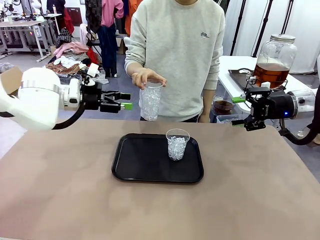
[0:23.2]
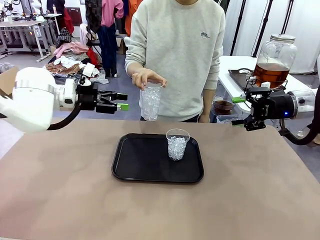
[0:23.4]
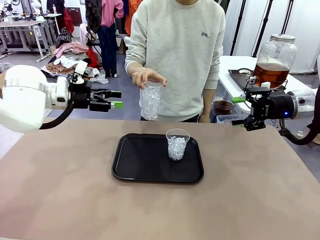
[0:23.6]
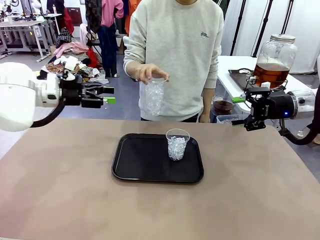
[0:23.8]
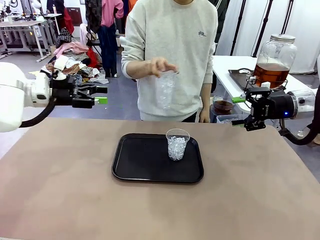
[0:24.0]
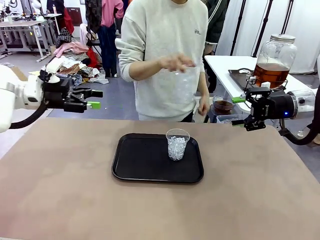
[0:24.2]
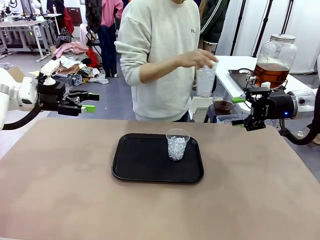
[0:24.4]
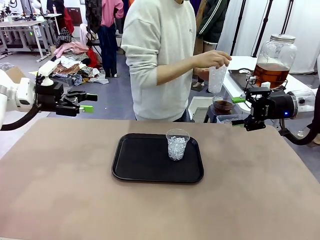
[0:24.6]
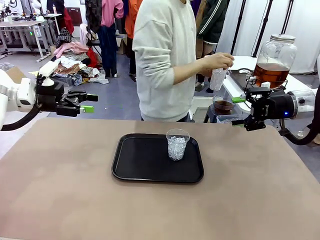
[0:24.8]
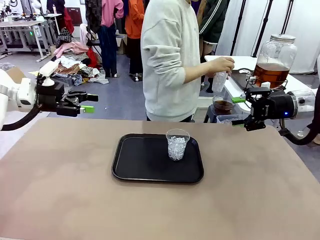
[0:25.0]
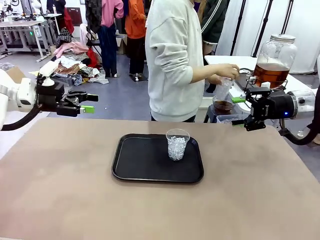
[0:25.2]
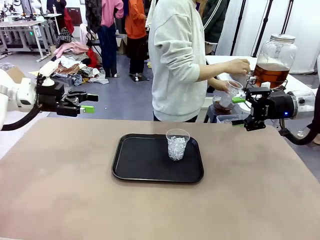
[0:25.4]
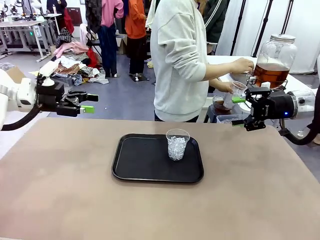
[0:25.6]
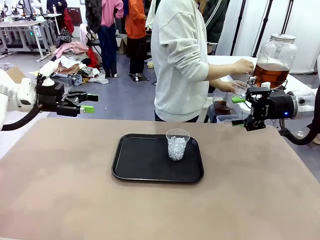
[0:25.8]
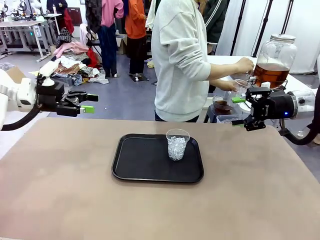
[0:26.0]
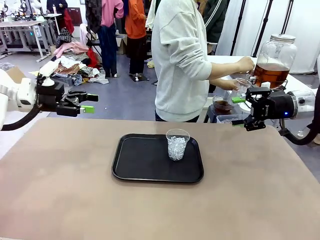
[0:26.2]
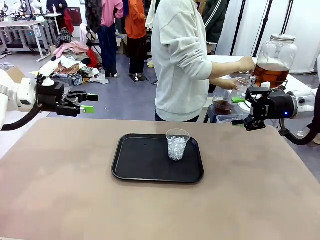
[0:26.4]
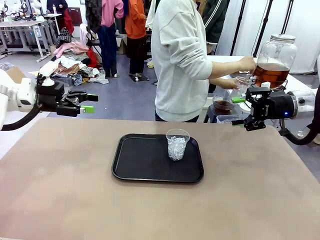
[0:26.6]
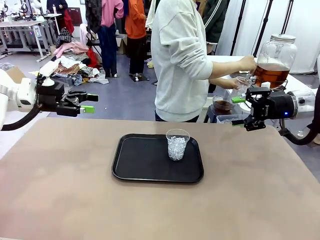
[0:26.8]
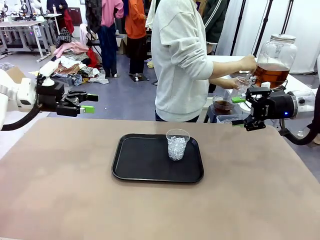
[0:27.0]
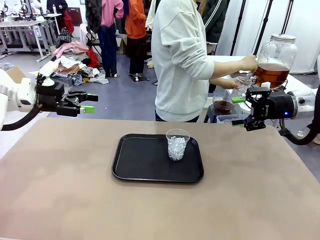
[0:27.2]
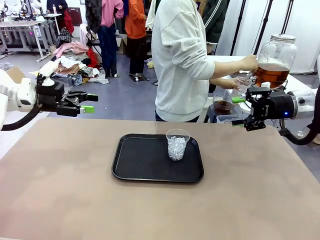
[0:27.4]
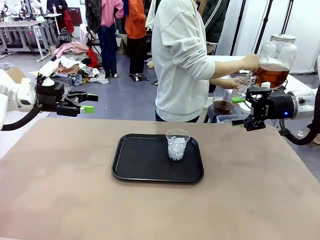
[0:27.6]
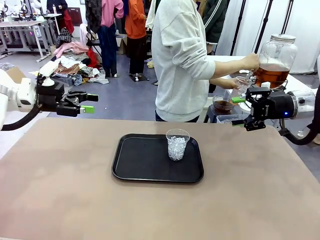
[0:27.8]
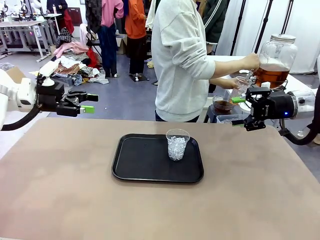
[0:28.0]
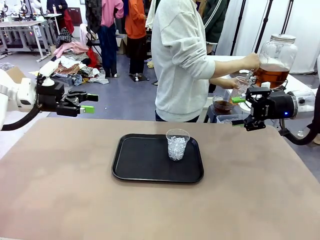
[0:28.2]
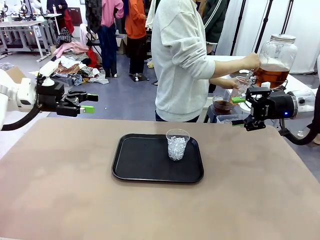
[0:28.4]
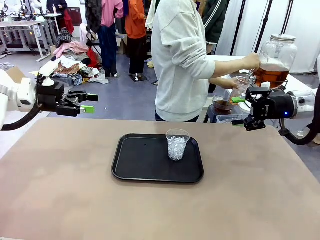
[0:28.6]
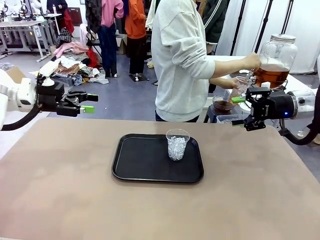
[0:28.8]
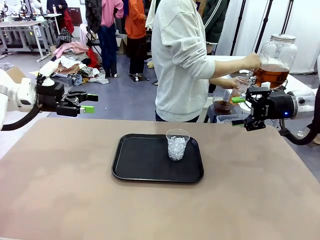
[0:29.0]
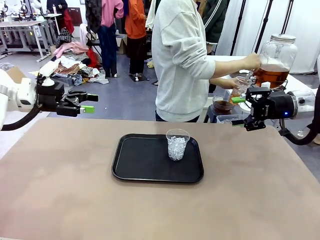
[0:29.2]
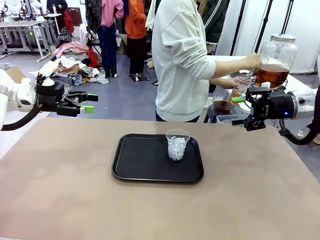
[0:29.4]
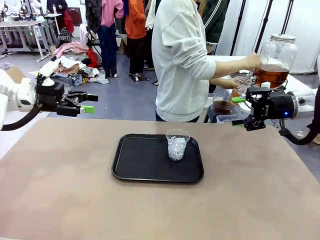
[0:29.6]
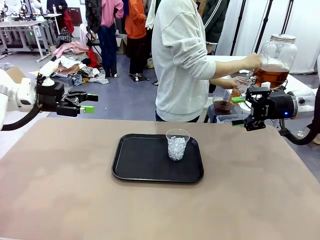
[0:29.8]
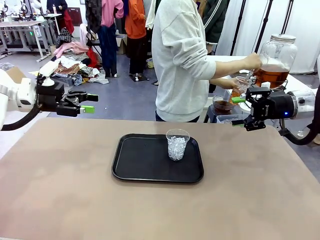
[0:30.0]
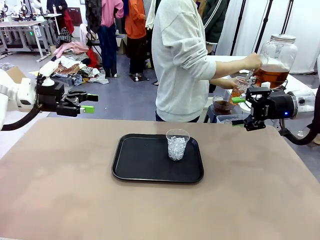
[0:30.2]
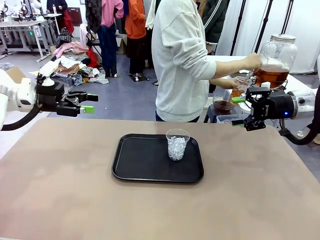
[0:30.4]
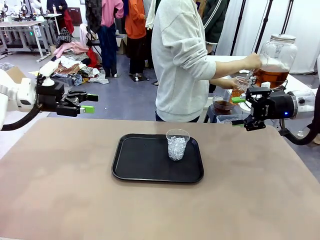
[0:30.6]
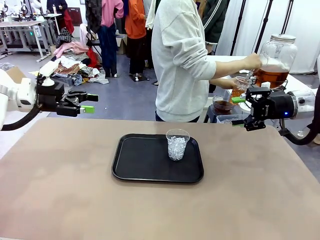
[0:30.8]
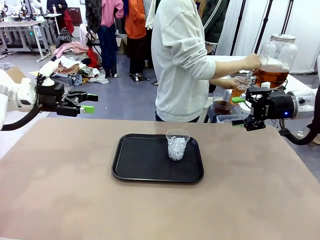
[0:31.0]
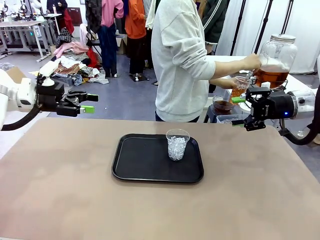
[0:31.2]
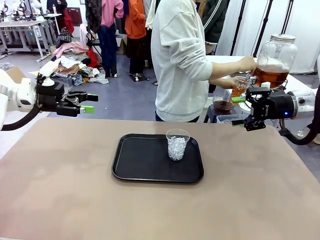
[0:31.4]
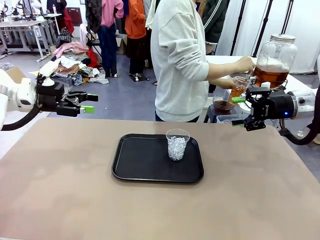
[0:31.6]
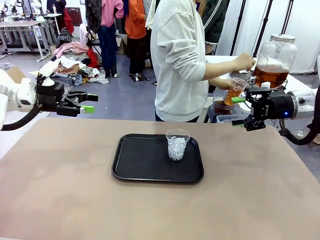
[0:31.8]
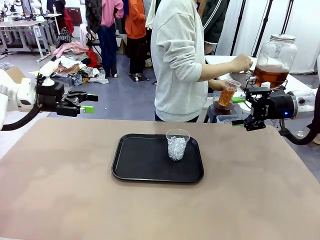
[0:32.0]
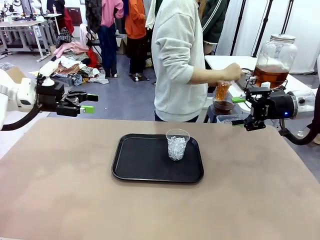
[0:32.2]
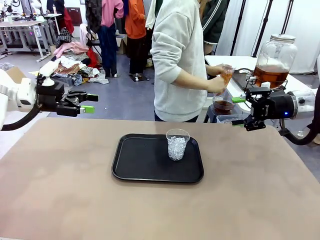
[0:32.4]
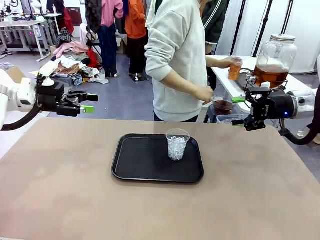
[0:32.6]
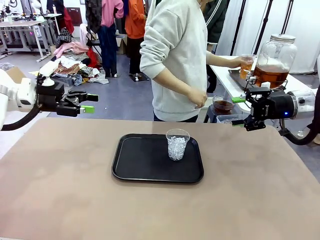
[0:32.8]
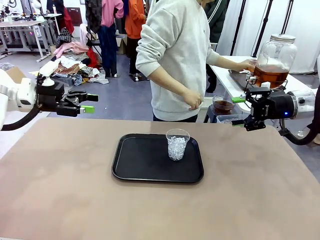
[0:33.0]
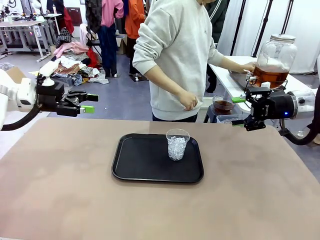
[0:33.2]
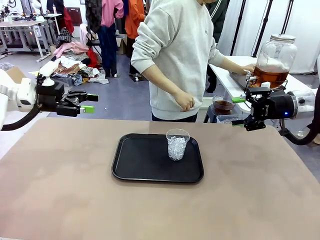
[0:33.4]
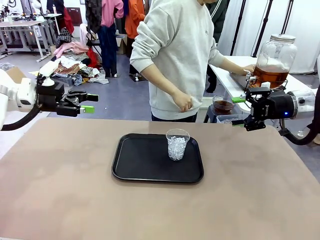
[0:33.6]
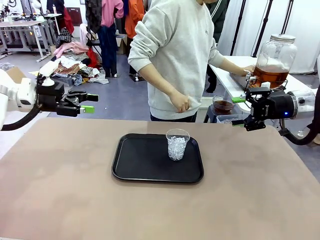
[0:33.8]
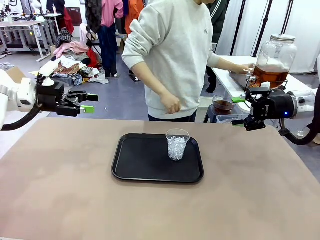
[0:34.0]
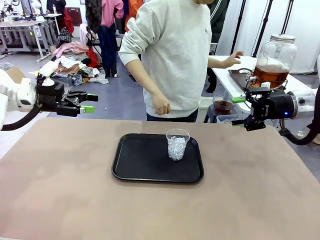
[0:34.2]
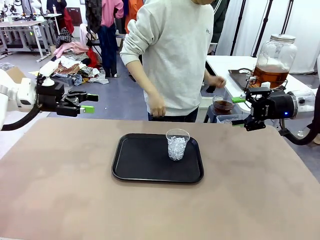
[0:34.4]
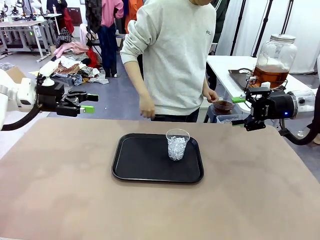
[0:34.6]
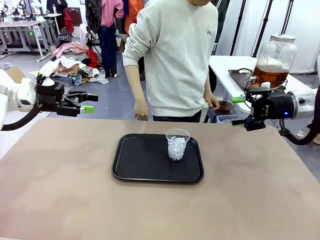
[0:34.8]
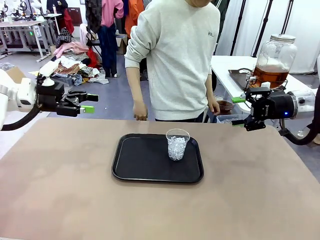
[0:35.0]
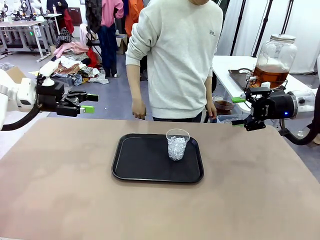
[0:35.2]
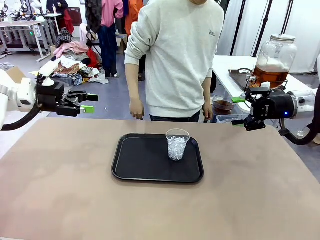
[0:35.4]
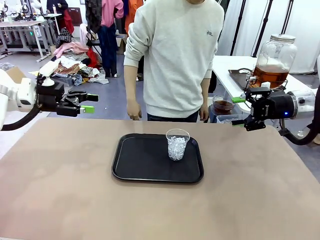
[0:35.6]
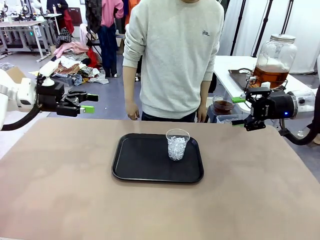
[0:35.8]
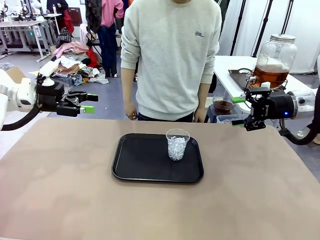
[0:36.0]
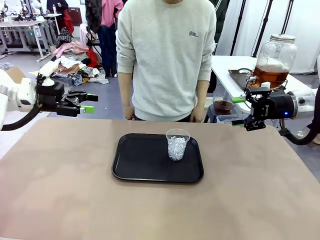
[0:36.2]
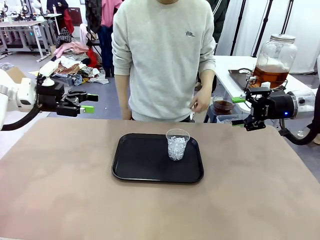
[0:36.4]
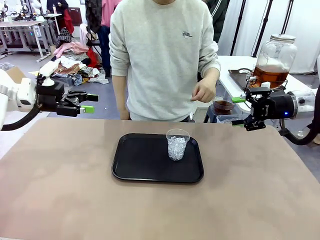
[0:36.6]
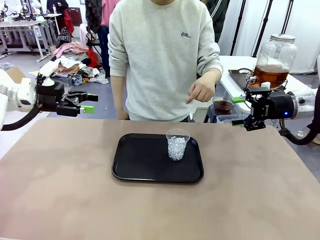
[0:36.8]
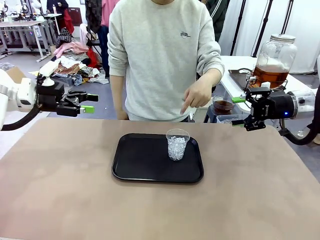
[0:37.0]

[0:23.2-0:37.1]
Task: Pour the drink into the iced cup.
Robot: Pick up the iced cup indicated by the human and present it to them.
Person: Move the picked-up cup under the dispenser faucet, pour the drink, and place it on the tray on the human table. Point to the remaining ice cup on the robot table.
